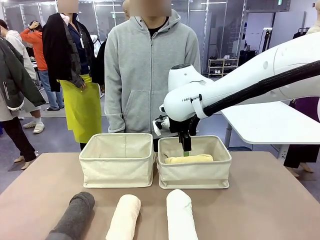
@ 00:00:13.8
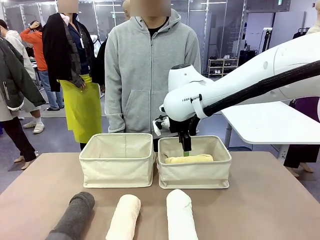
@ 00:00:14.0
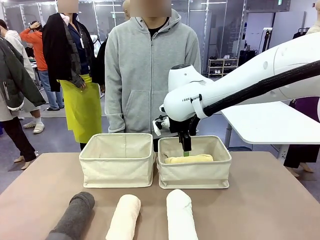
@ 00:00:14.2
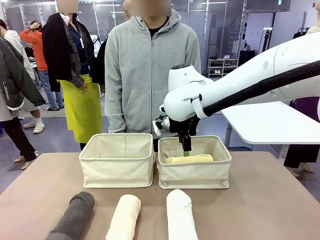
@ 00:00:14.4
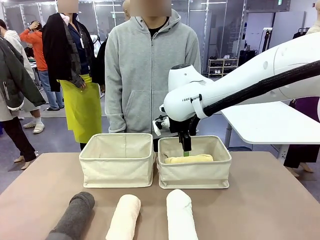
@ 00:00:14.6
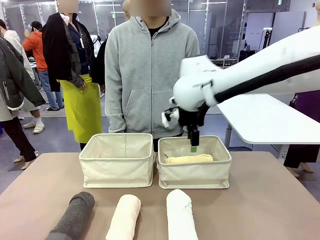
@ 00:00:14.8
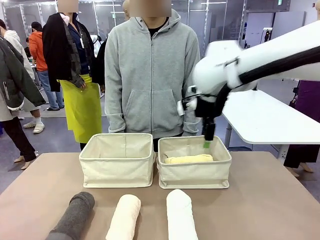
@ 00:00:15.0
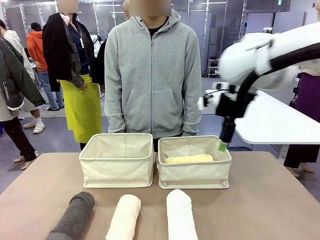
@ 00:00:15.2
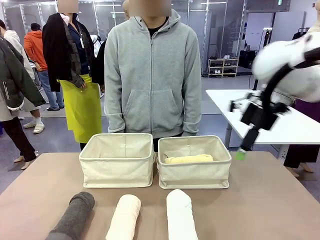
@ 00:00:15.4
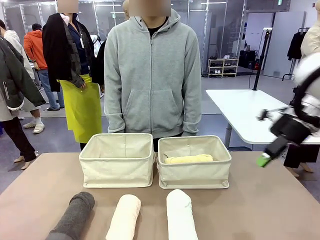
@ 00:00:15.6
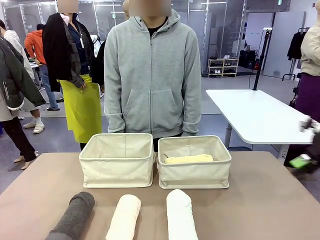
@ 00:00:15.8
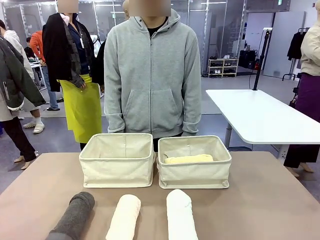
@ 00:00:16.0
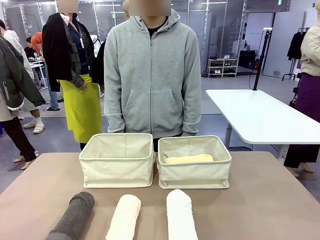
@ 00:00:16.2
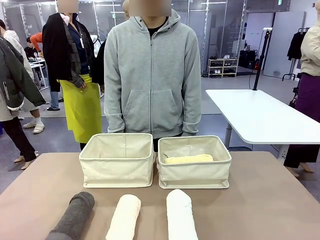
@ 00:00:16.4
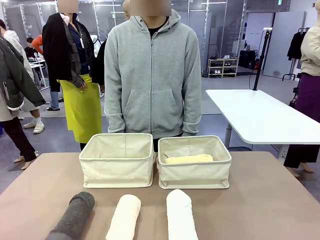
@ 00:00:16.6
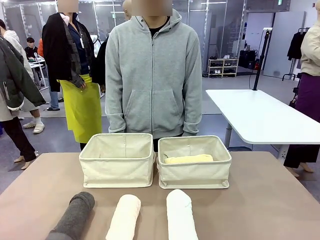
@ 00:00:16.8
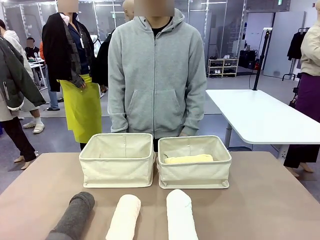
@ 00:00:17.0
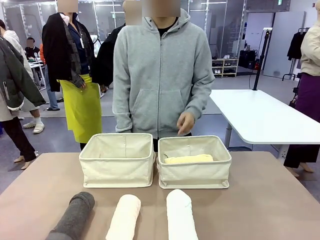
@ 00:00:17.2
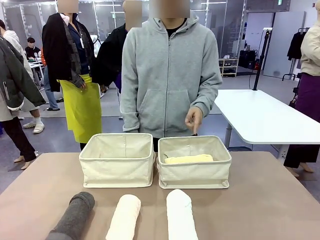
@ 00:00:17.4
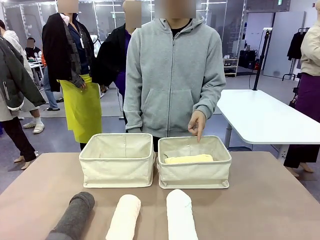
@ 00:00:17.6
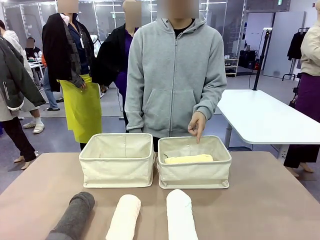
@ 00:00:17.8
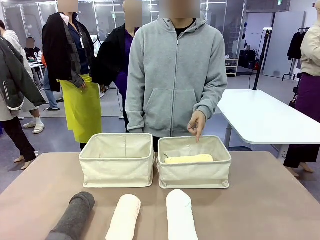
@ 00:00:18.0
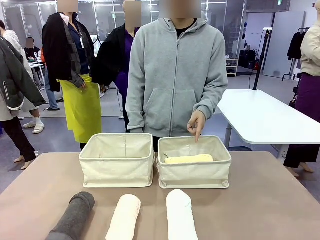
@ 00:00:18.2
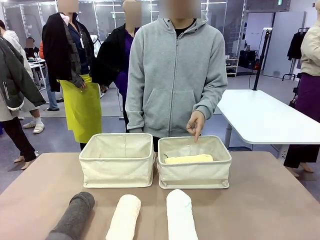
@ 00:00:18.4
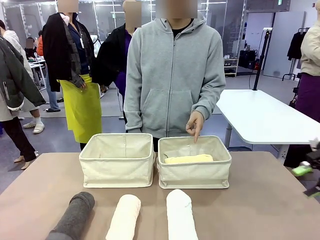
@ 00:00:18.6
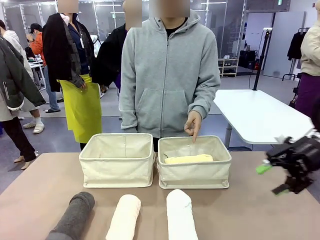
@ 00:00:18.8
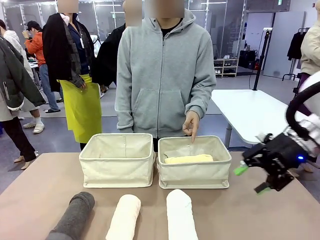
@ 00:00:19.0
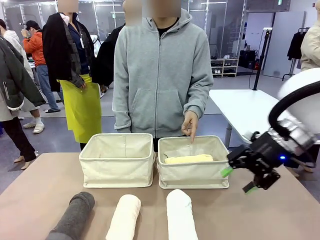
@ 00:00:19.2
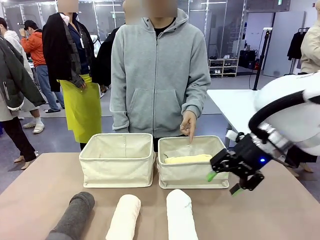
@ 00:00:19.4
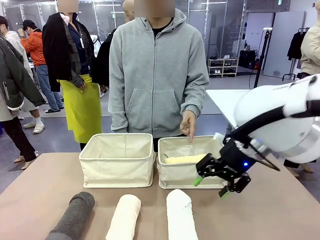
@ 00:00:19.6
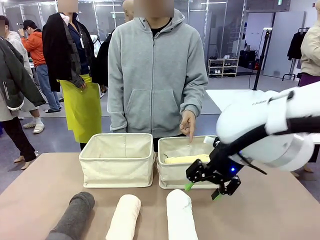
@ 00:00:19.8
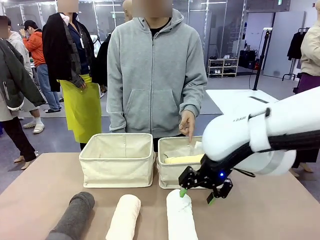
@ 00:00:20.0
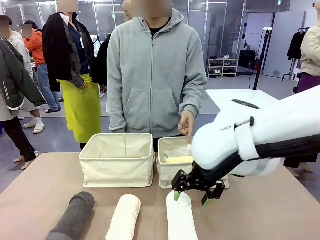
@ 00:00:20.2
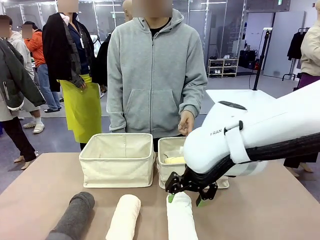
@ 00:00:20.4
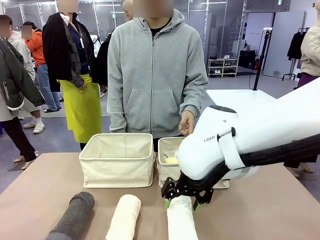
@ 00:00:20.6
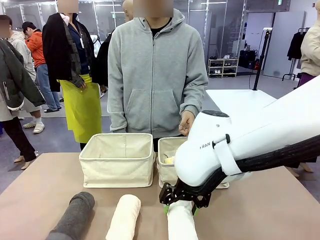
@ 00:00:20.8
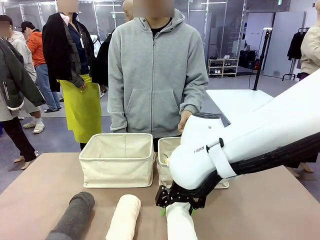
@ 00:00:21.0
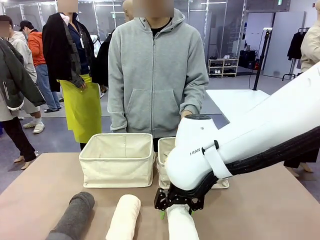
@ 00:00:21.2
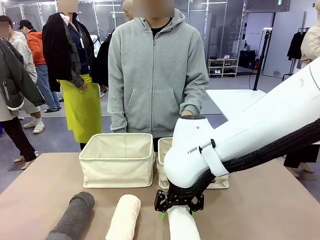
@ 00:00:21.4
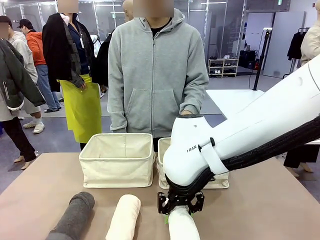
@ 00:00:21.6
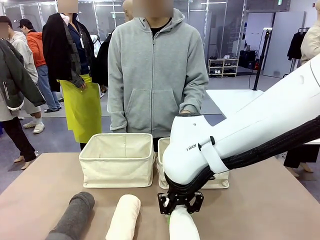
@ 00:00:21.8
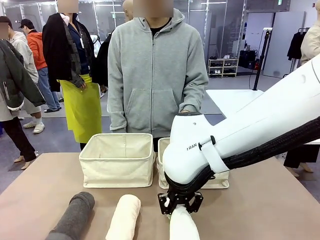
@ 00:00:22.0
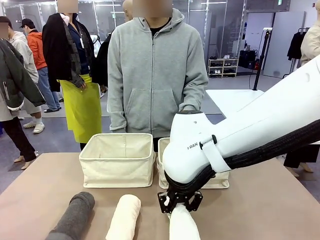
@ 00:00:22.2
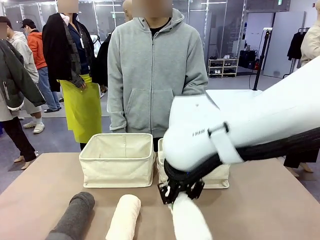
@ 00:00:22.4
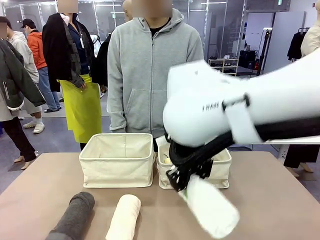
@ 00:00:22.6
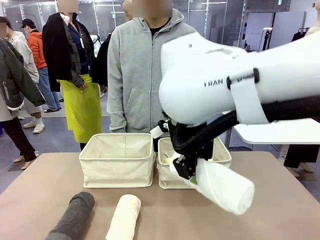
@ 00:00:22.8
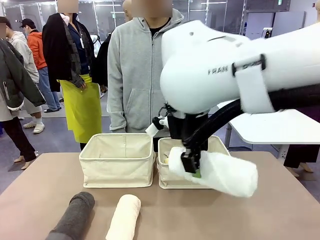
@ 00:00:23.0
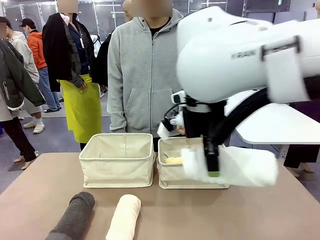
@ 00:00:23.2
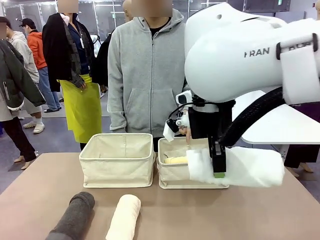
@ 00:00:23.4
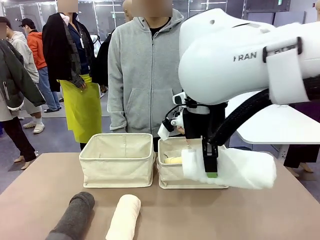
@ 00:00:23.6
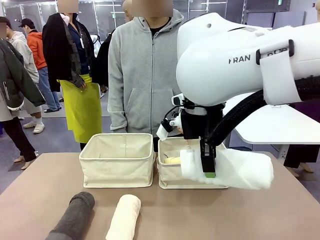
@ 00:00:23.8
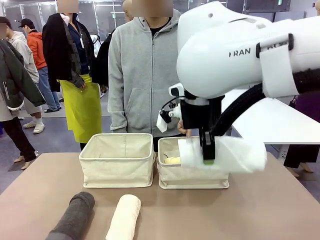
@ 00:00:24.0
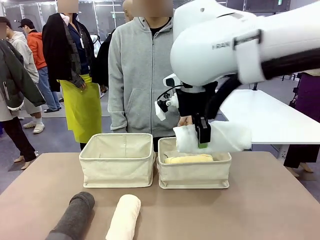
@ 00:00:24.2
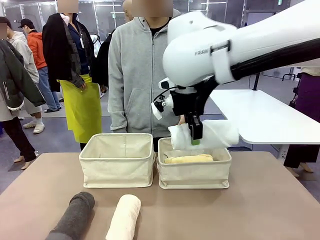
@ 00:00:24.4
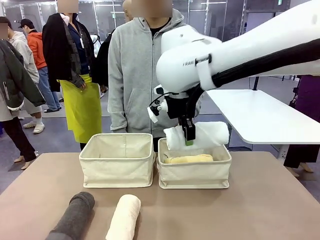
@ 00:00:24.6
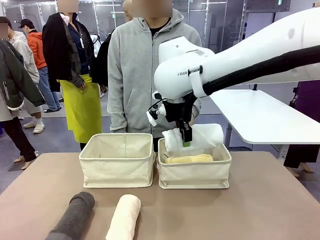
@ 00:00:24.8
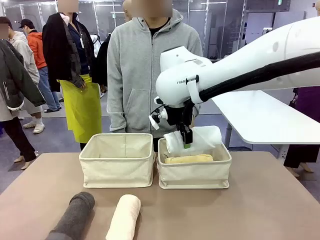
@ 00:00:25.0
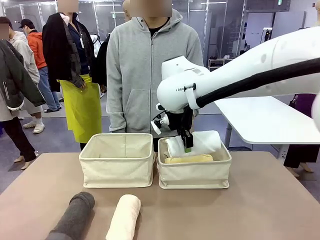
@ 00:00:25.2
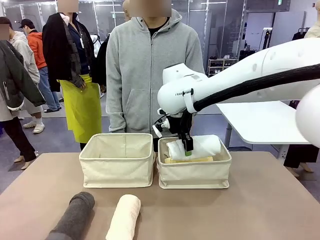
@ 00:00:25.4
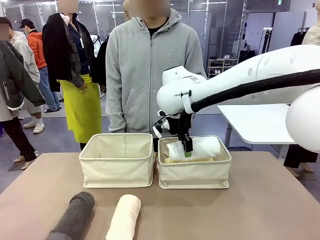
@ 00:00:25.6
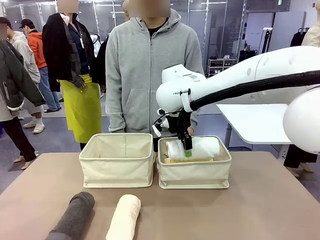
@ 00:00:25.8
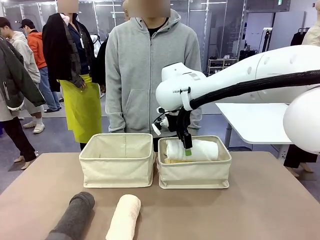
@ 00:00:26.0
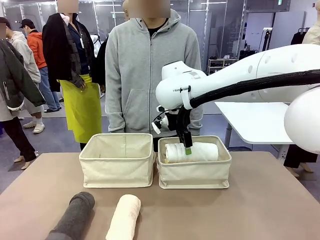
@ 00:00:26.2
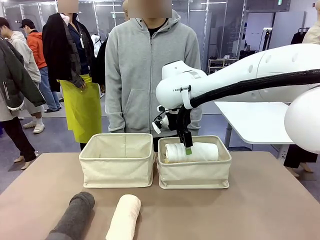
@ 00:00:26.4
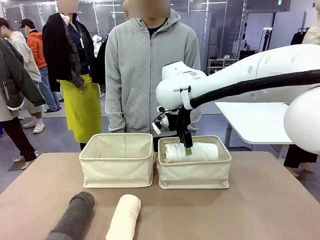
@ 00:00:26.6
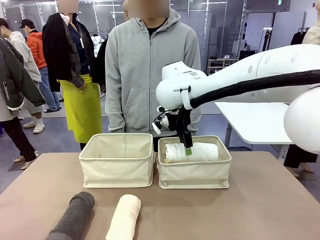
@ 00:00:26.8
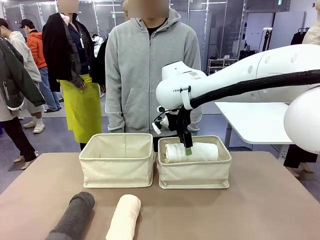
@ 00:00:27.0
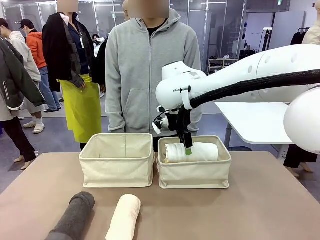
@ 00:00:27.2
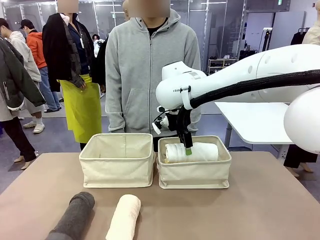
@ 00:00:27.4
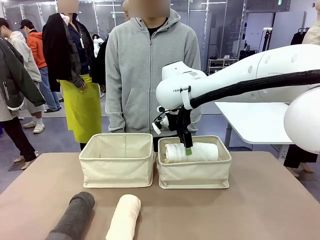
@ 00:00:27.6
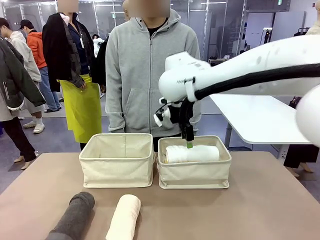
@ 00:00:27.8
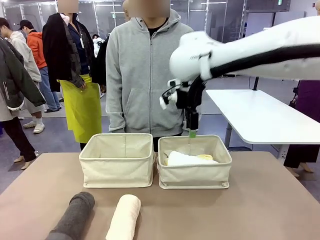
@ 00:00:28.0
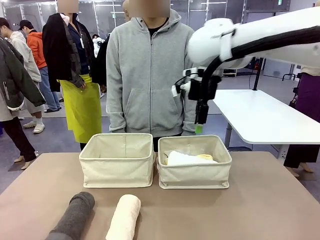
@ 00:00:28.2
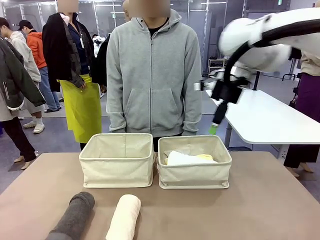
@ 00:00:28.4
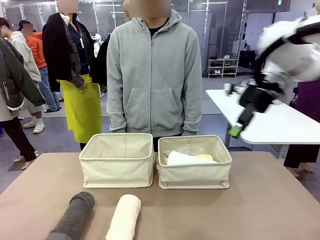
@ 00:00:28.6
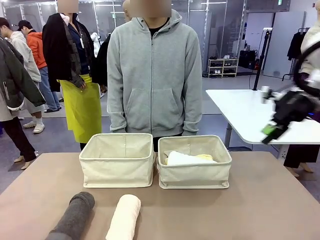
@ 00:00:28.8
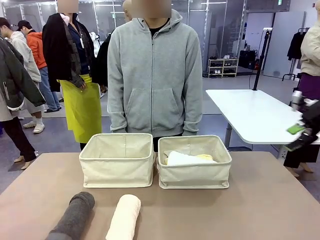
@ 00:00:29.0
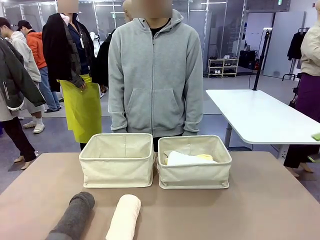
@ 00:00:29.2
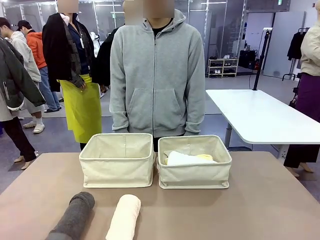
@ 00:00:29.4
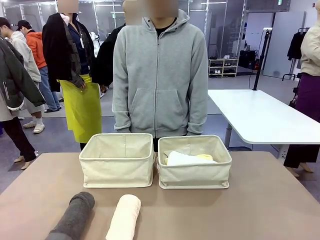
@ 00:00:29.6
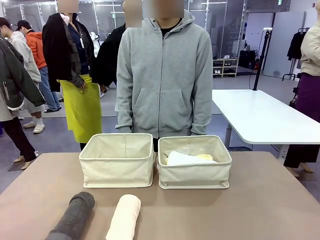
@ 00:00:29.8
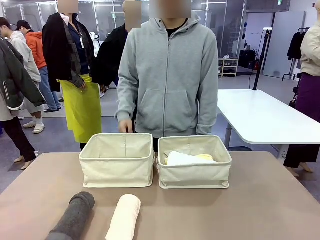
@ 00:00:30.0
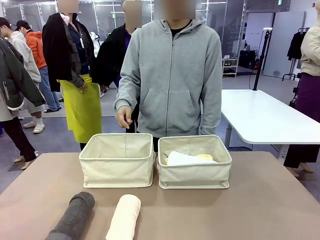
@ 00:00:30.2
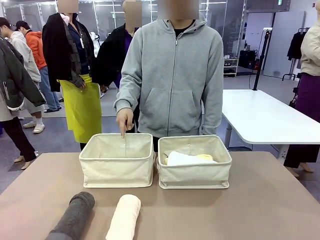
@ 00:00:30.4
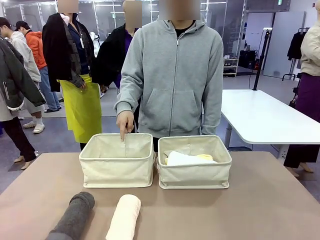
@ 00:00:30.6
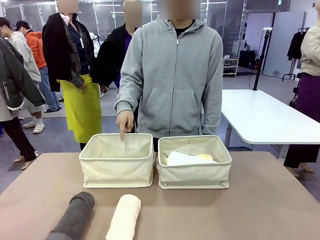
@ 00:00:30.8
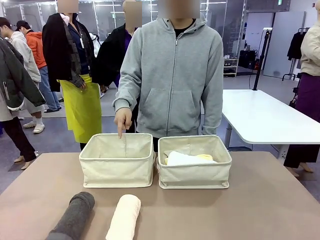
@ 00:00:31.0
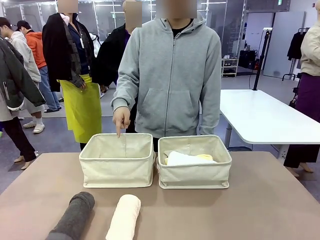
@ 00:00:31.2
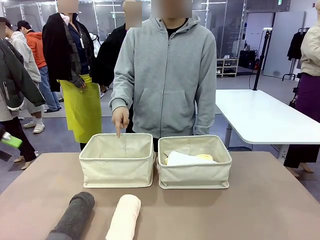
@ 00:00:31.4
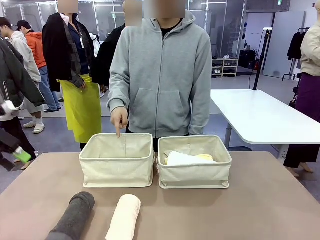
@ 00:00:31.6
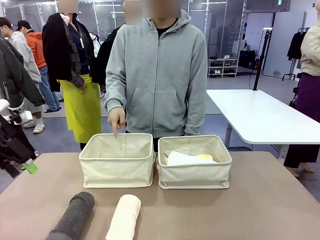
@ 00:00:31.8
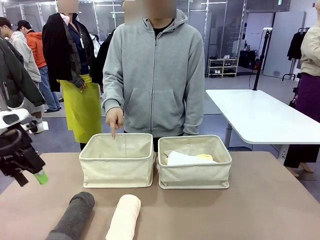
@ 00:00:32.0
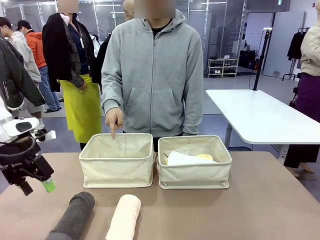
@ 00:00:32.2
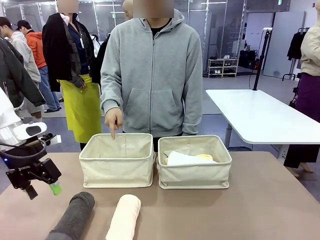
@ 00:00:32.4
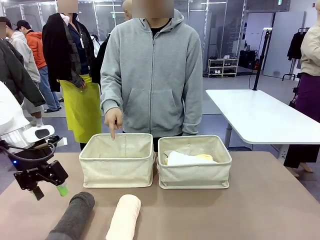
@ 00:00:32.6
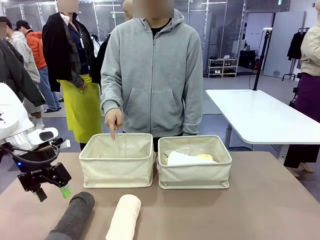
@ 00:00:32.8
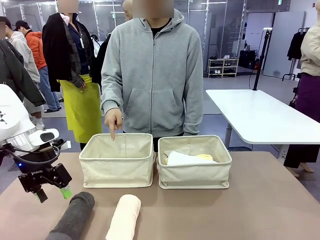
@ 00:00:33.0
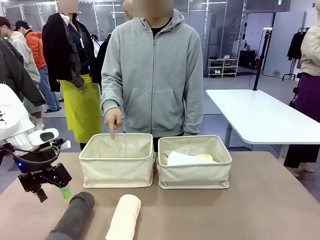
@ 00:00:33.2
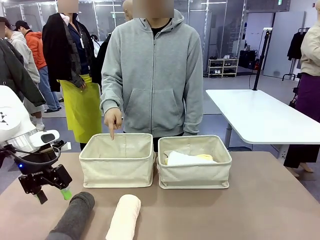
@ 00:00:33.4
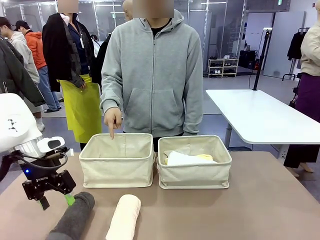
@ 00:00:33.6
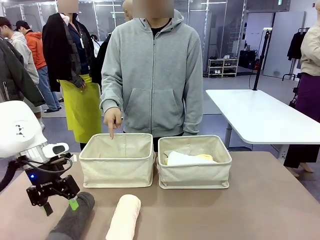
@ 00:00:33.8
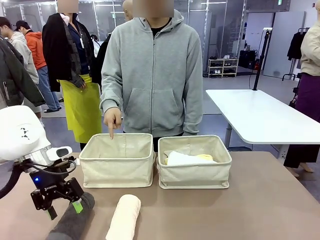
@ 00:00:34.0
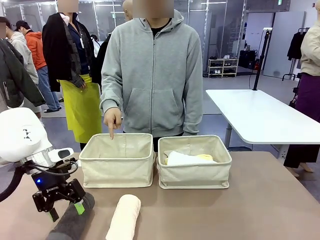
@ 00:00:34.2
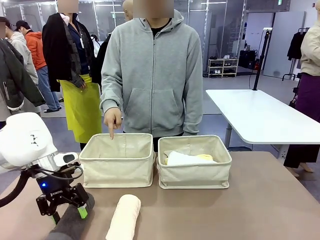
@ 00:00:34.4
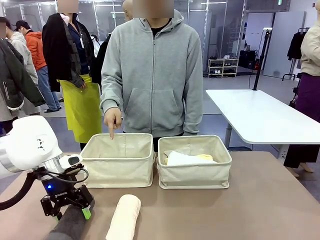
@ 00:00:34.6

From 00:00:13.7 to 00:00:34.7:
Task: Divide the towels into two baskets.
Robot: Pick up one hotel-folded towel from the bottom of the table and place it in the Fabric basket indicated by the person.
